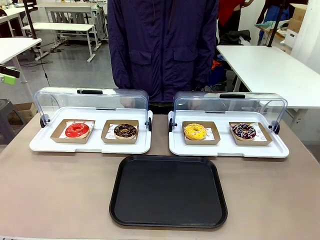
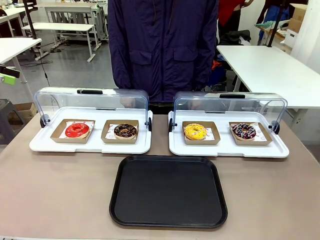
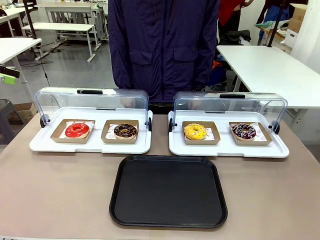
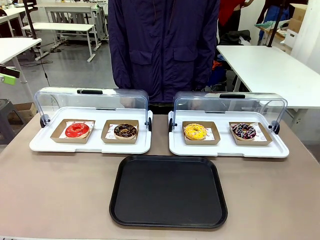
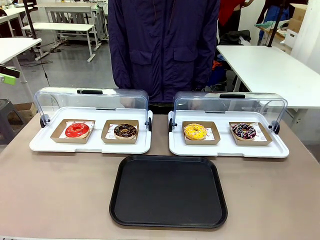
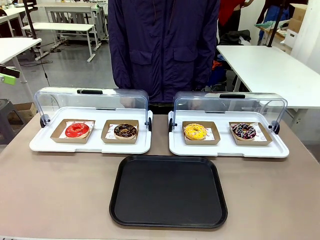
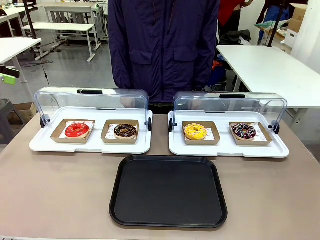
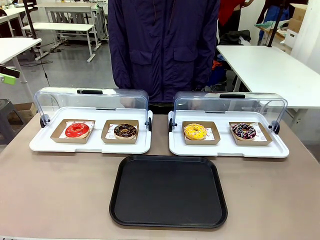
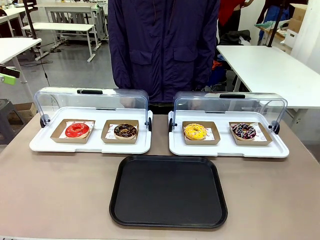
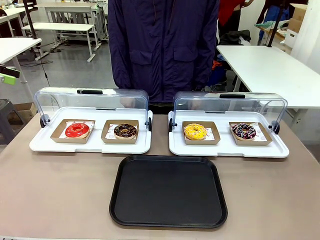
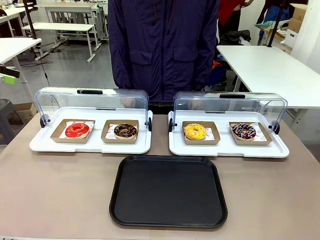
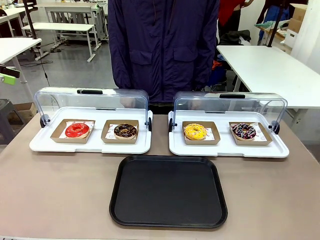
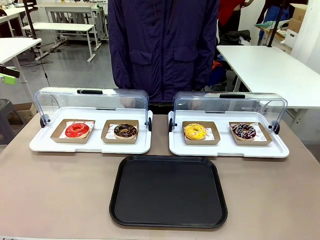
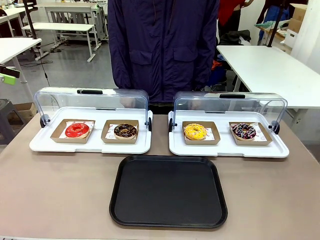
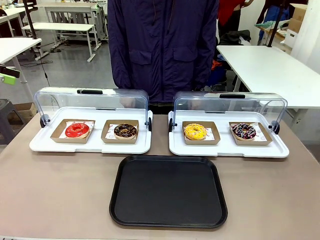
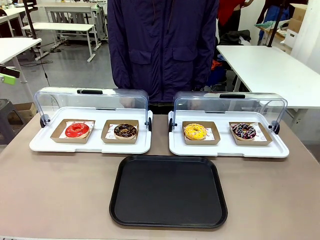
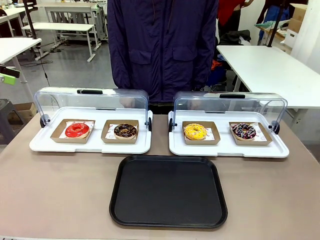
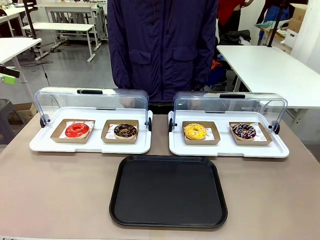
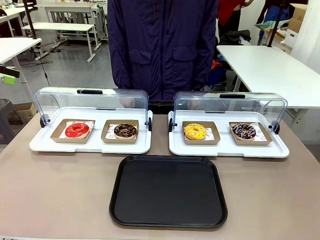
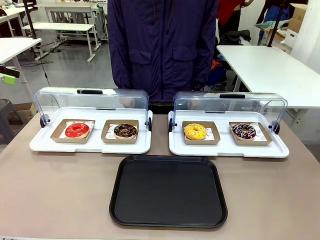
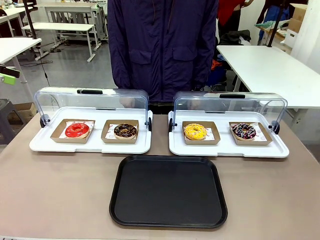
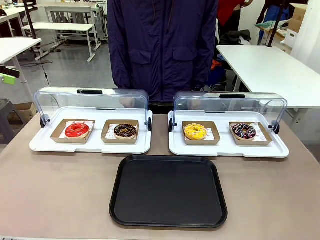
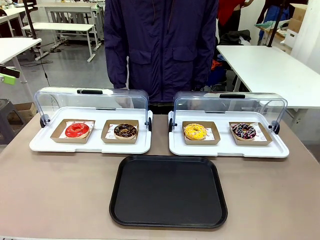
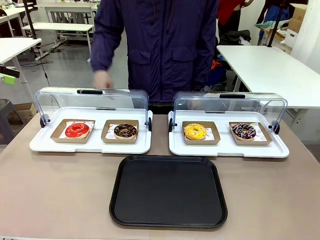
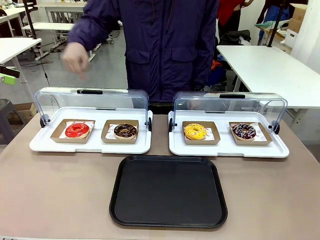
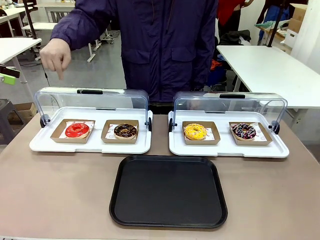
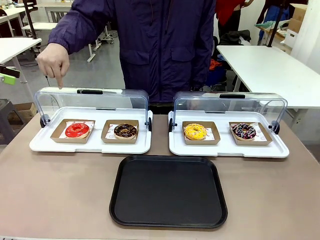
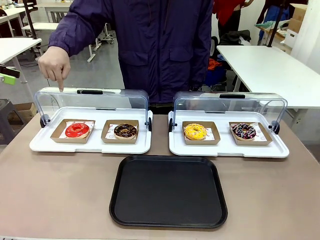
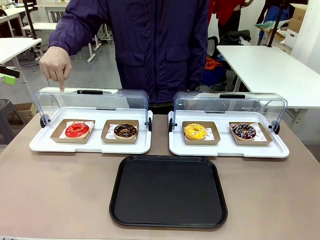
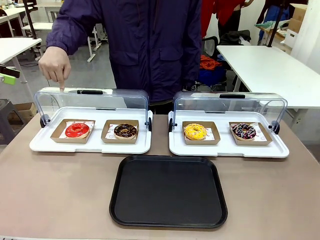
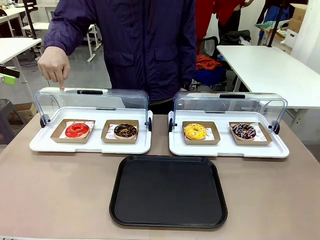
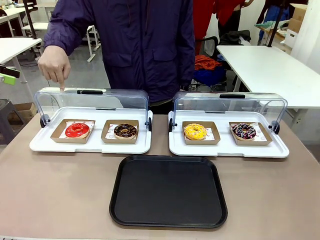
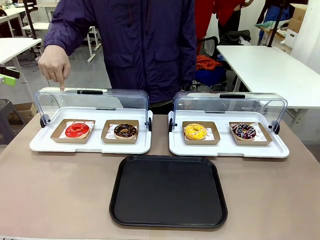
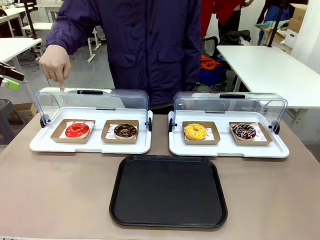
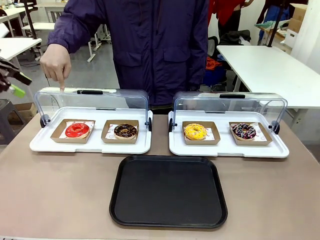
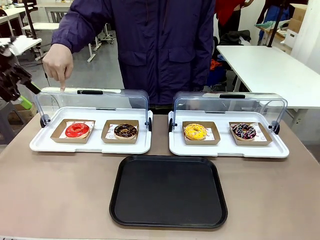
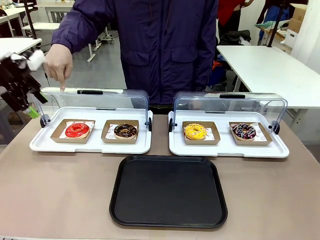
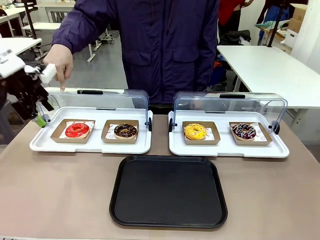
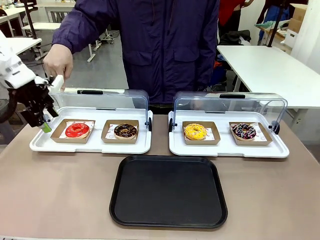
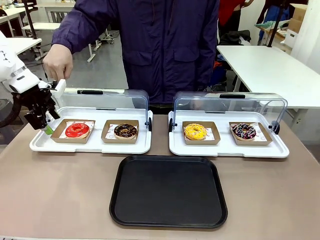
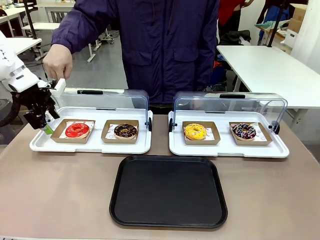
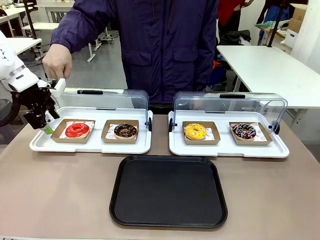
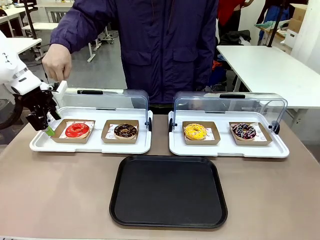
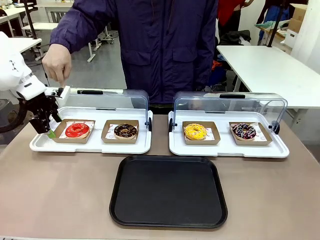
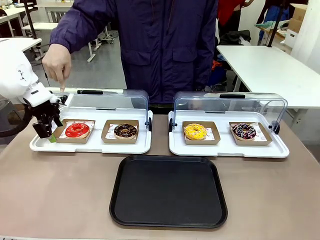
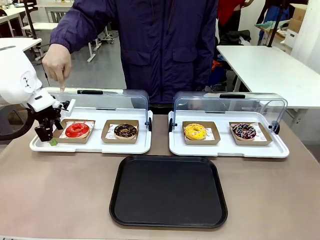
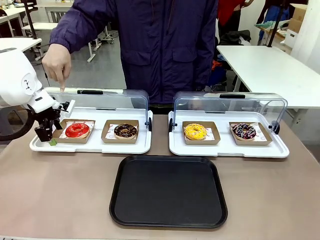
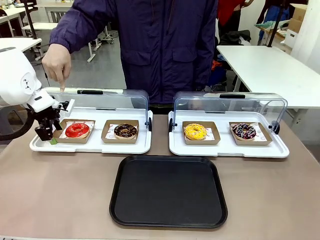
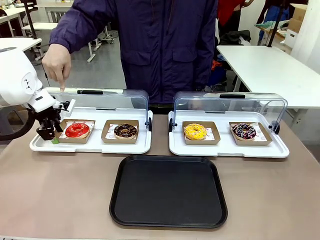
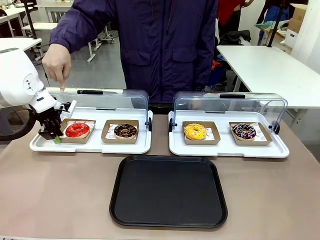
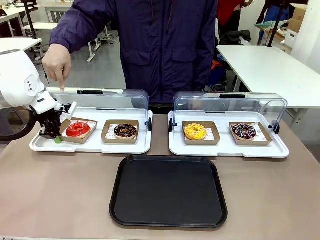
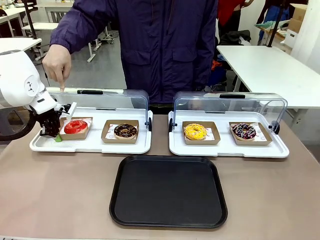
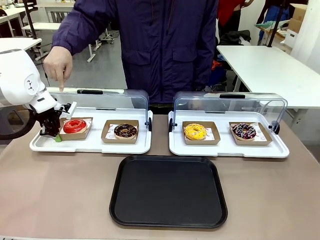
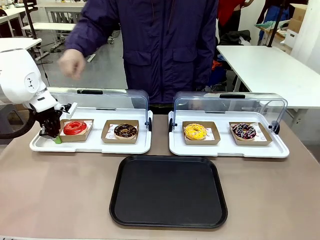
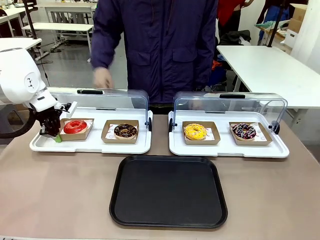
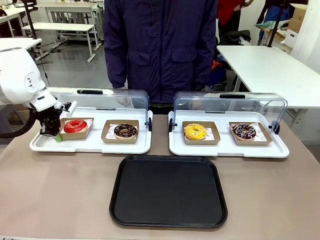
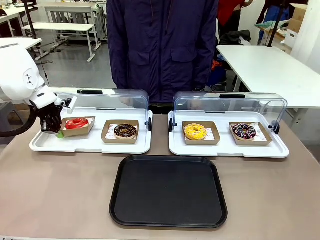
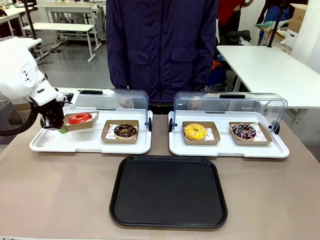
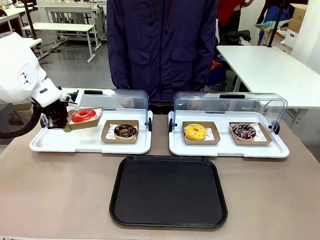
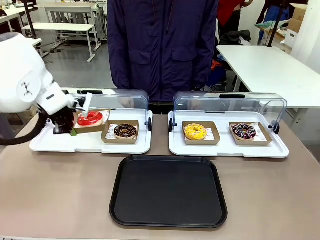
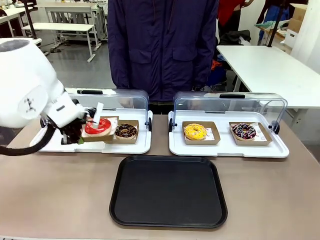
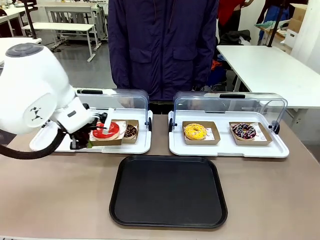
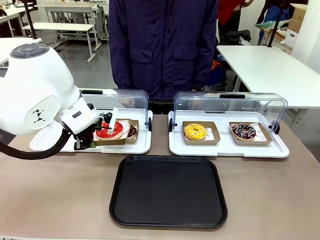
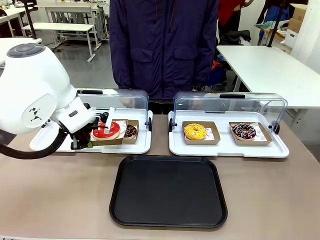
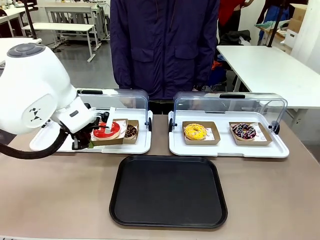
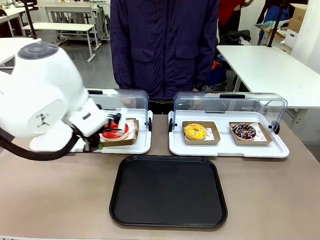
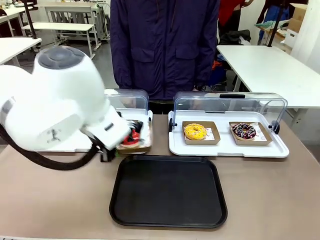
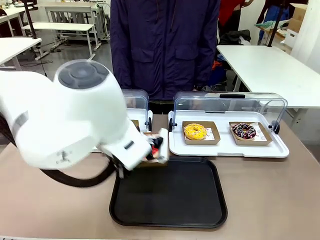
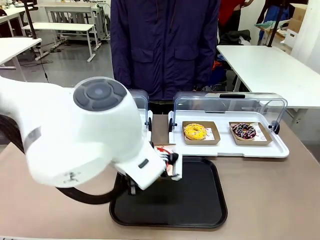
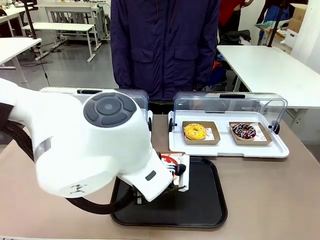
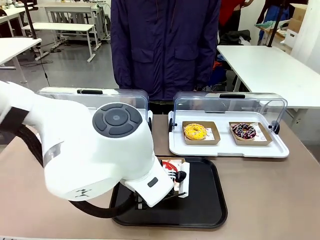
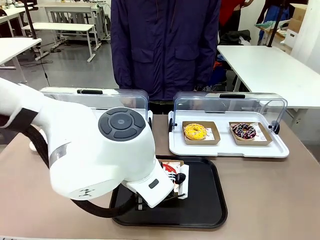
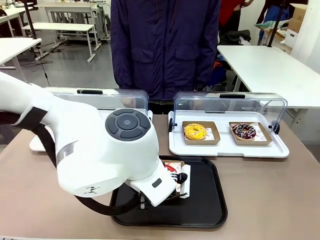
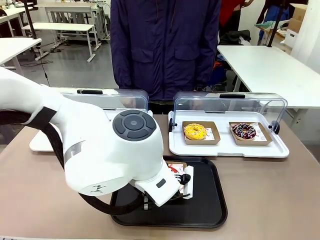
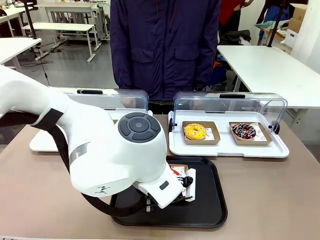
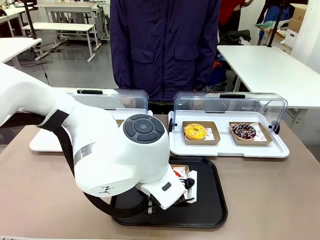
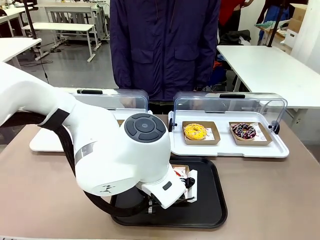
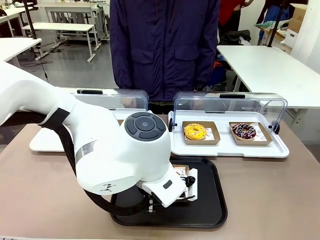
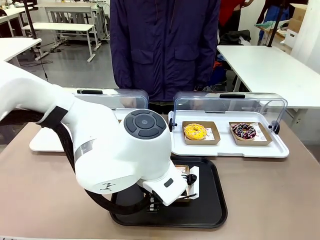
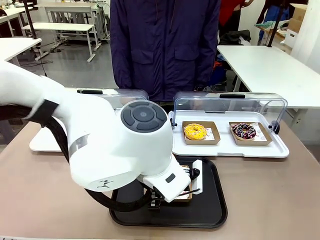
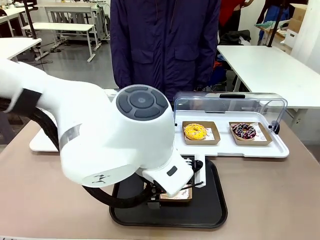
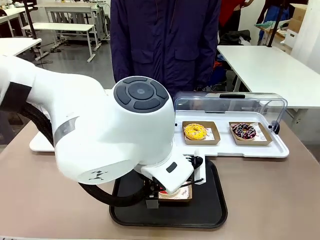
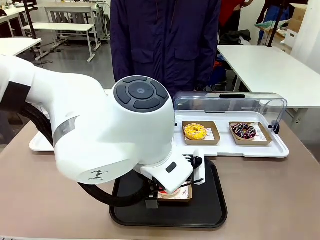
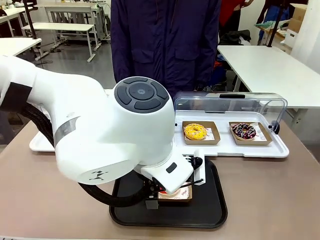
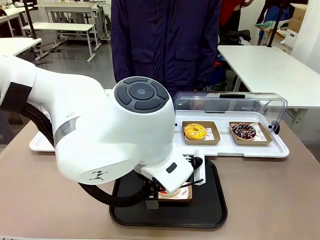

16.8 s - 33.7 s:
Task: Move the first donut from the left to the tray.
Robot: Pick up the Paper togo box containing the Donut indicated by the person and place it on the Handle tray.
Person: Points to the first donut from the left from the robot’s perspective.
